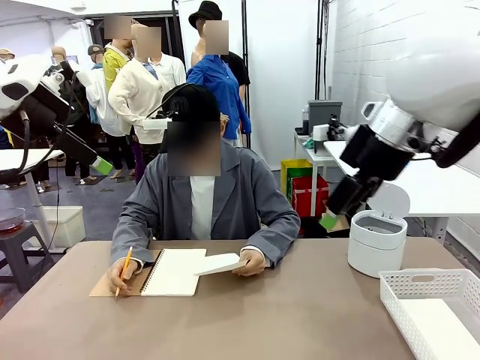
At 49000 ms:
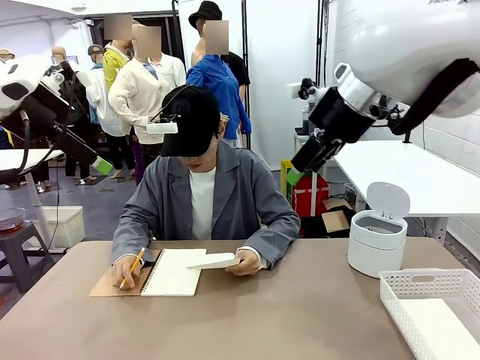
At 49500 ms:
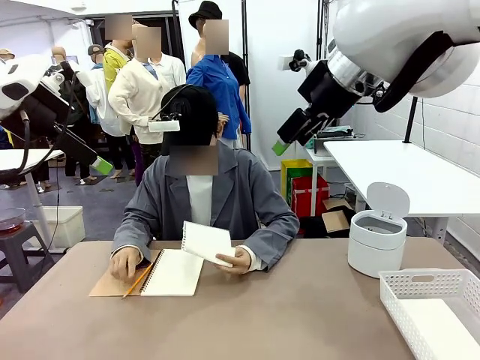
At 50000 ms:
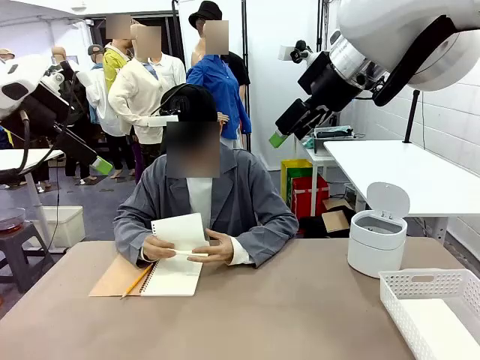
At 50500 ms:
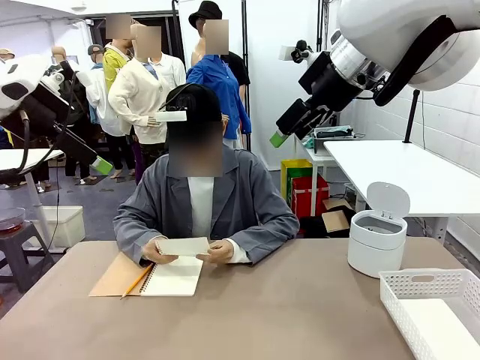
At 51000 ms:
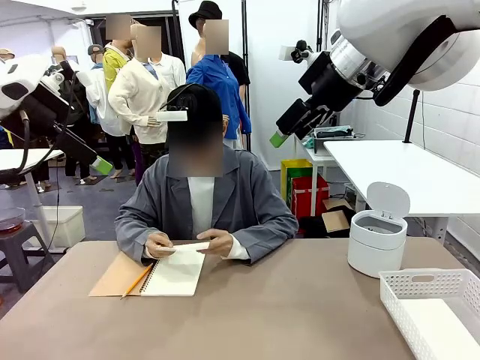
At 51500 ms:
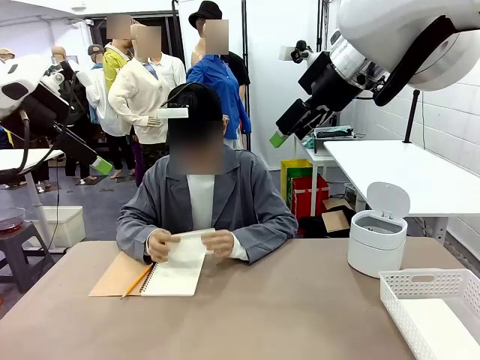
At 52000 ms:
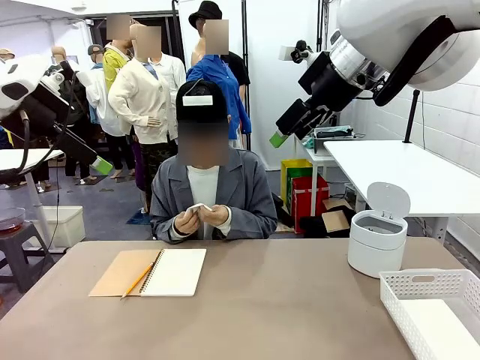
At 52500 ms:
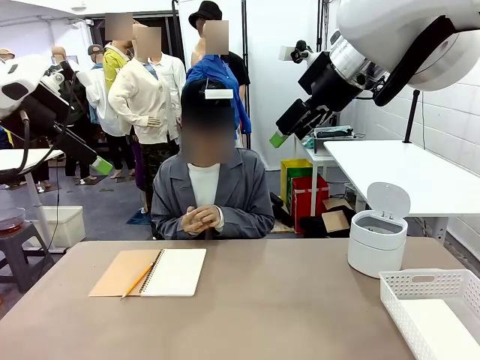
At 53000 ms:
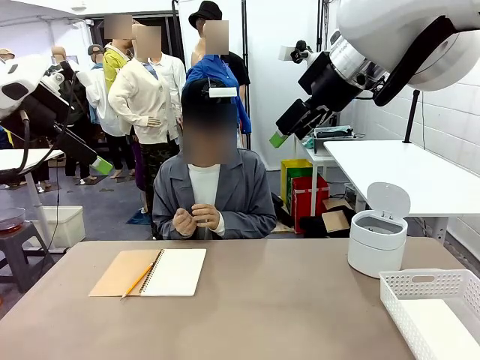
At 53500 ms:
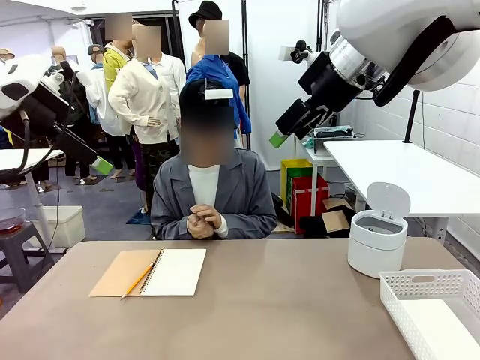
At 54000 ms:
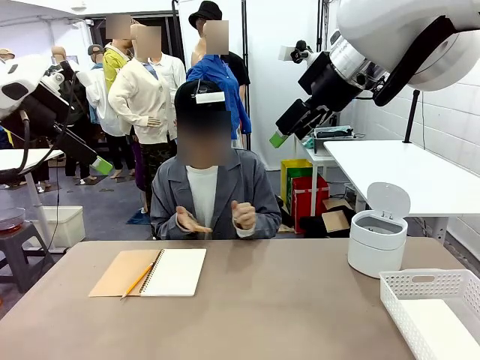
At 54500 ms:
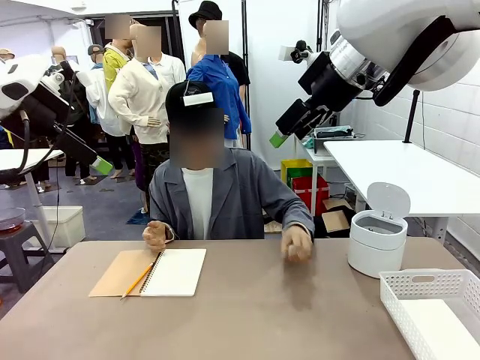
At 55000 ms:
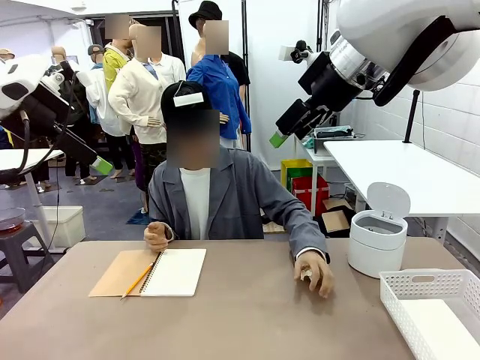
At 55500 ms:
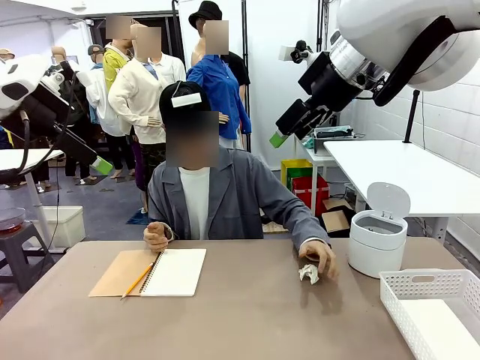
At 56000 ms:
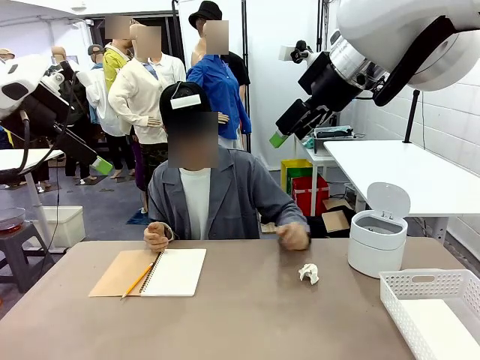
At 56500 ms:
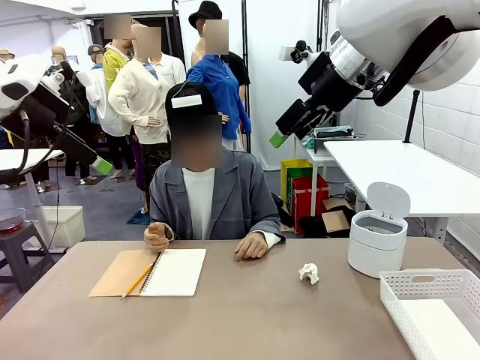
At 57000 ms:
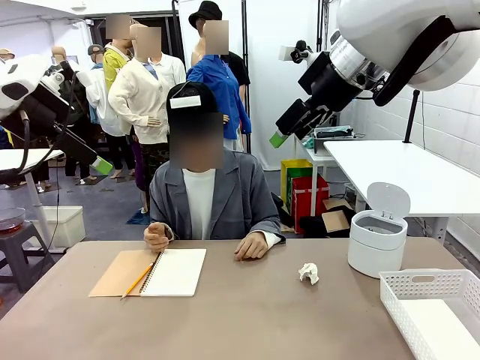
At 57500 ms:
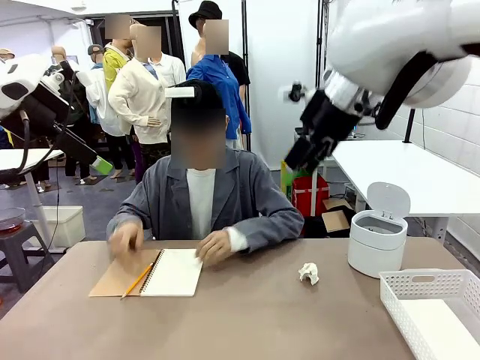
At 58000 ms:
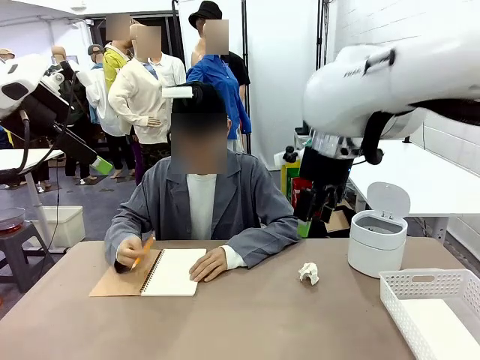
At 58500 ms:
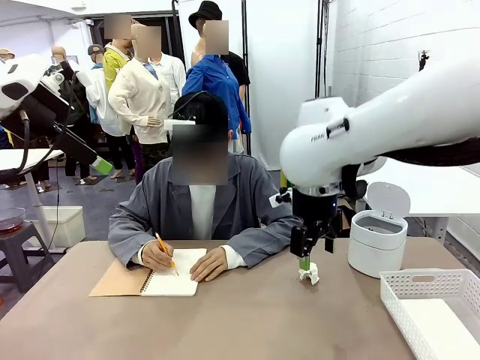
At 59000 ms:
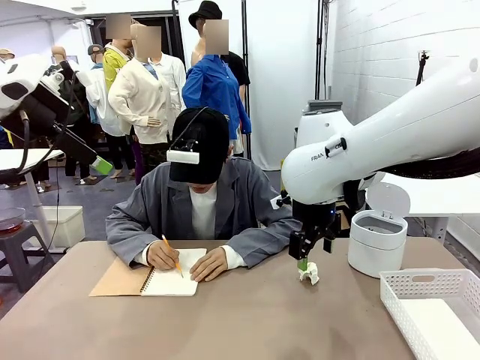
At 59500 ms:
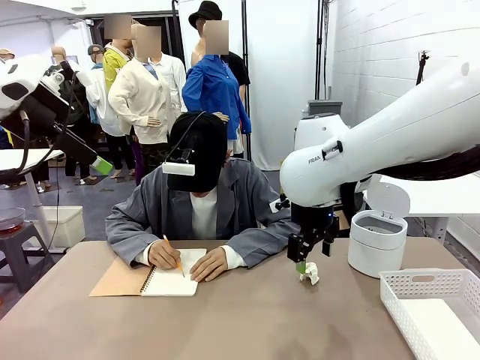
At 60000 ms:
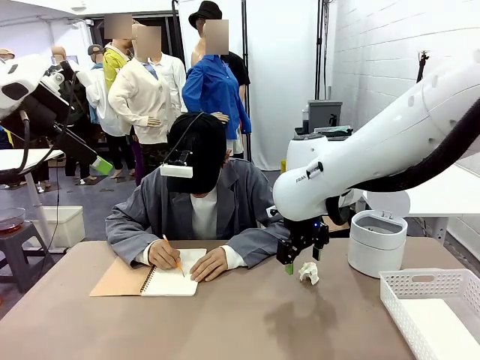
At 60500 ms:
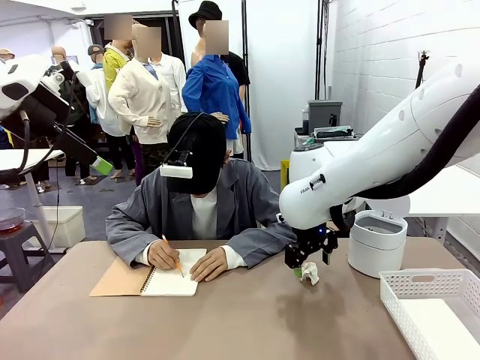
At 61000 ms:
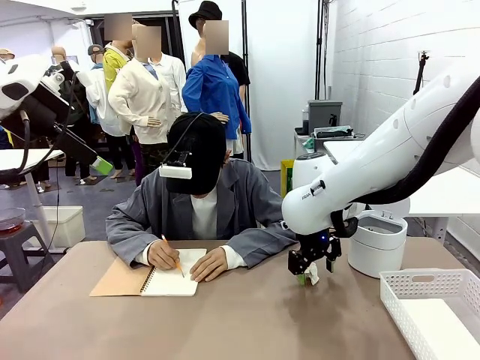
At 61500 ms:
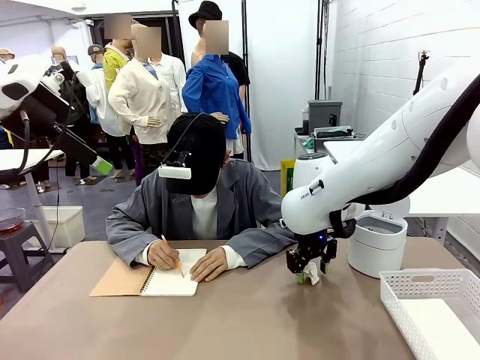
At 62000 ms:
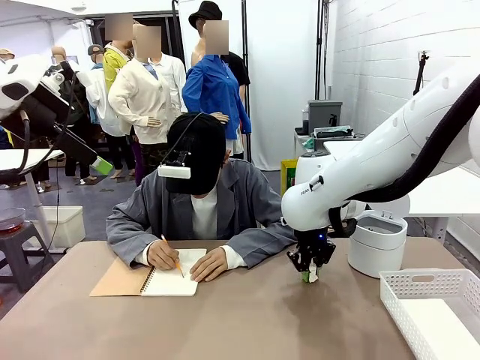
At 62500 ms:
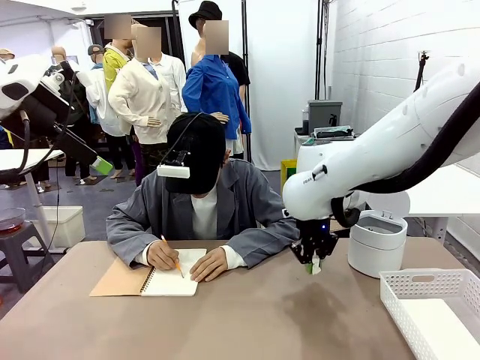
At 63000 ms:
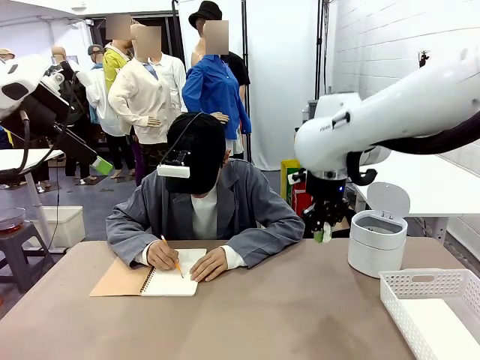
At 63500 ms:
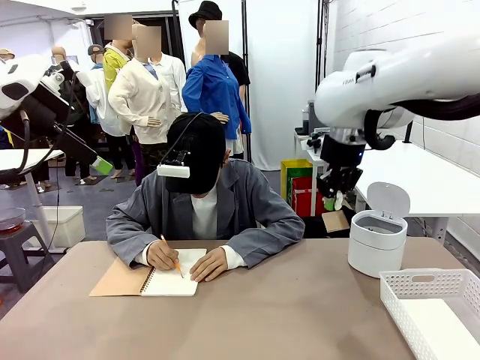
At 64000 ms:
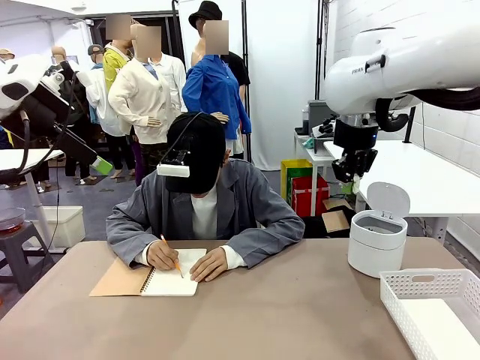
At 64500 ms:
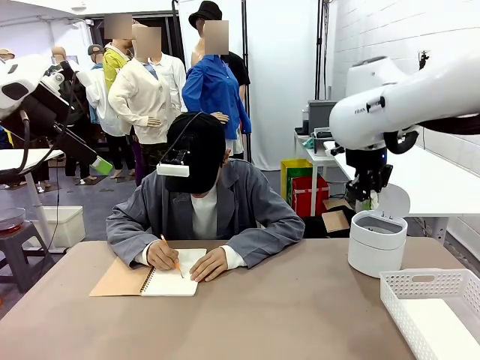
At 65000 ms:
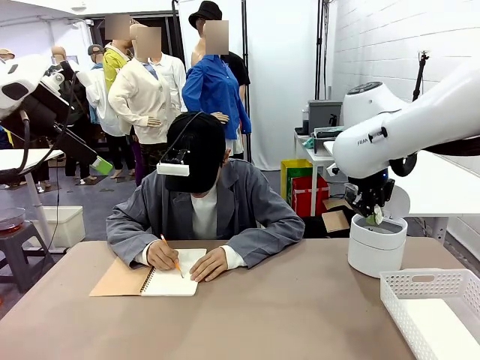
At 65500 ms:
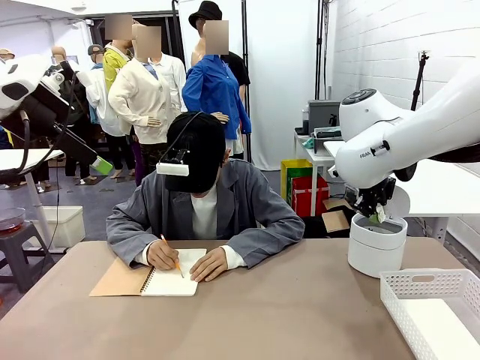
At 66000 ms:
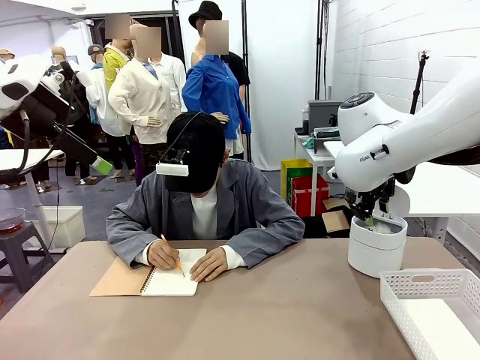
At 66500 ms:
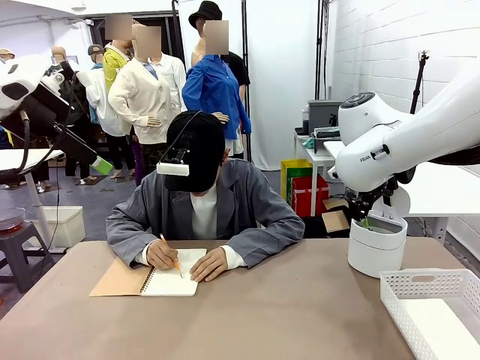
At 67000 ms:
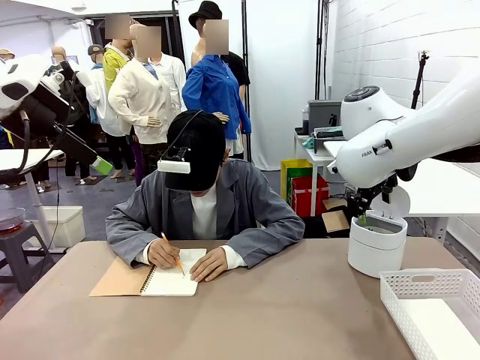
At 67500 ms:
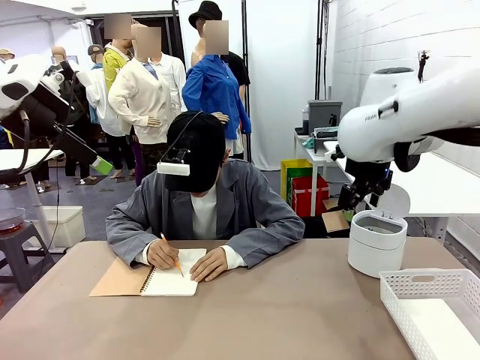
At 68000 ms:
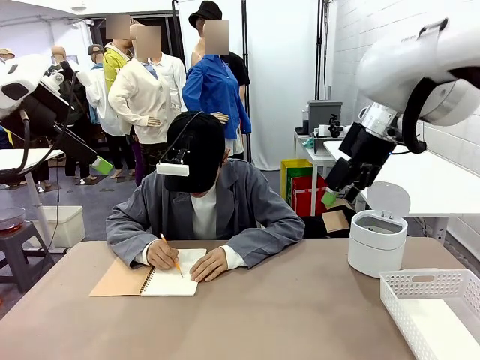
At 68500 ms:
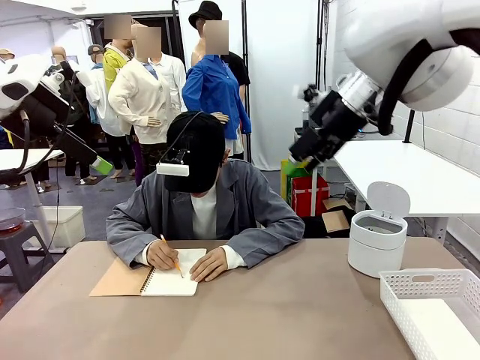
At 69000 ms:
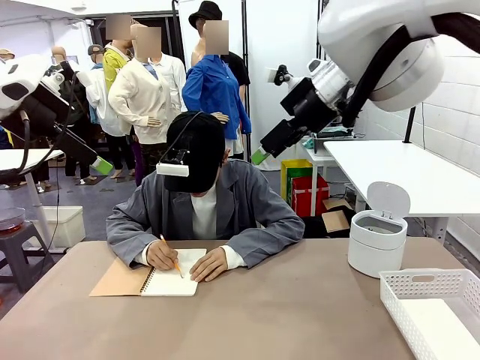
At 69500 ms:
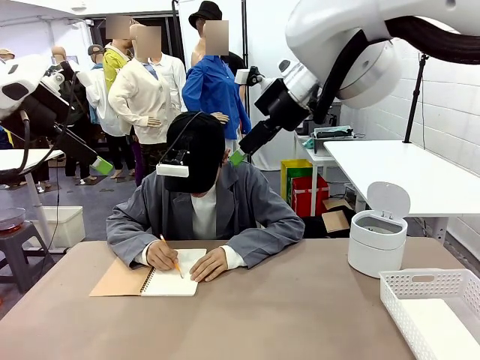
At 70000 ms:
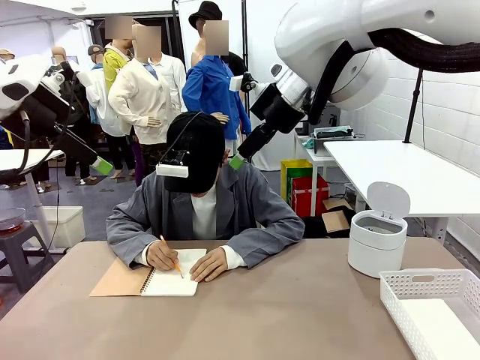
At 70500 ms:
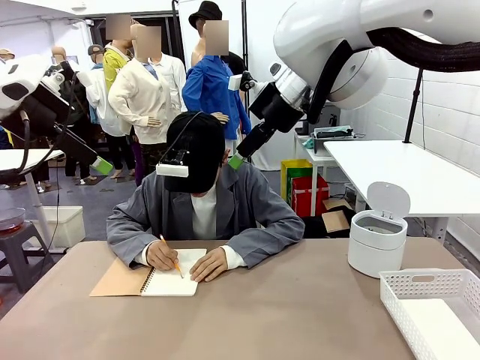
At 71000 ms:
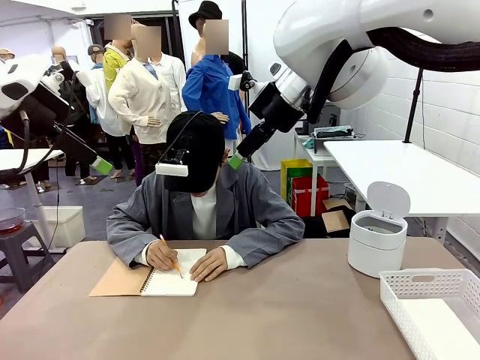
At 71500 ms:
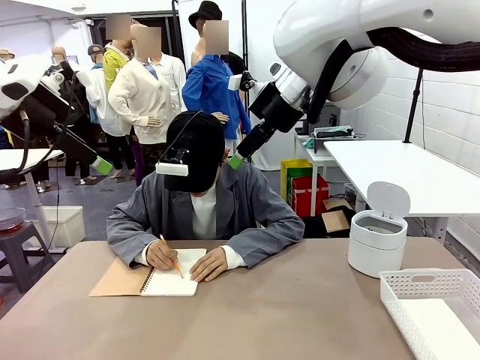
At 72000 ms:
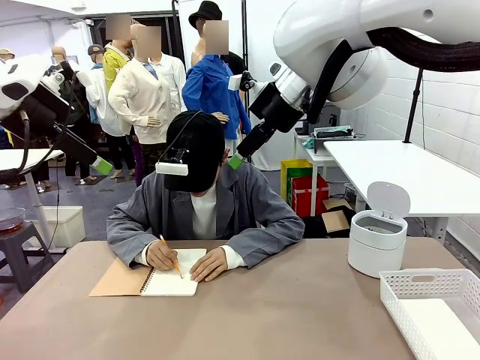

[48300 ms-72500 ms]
Task: Sort the paper based on its condition.
Robot: If a person hands you a paper, place it in the Organizing basket , and if it's crumpled, put it in the Trash can.
Person: Hand the torn page to the robot or crumple it and throw it to the center of the table.

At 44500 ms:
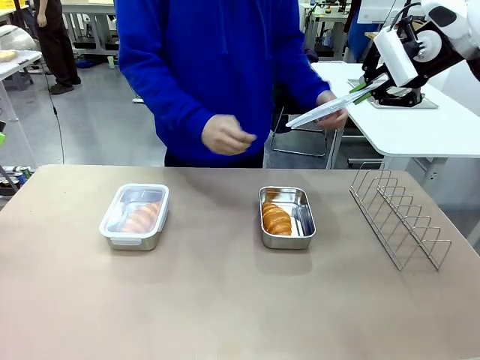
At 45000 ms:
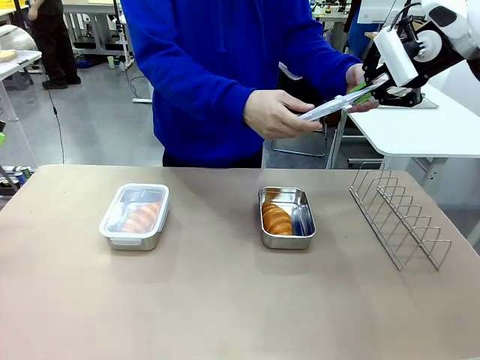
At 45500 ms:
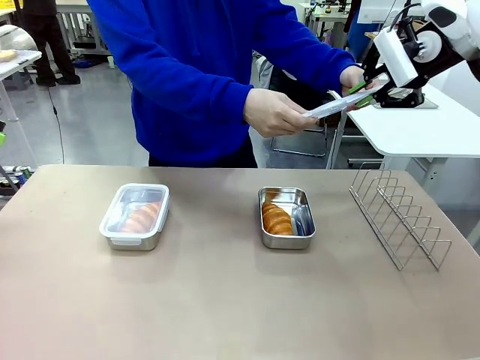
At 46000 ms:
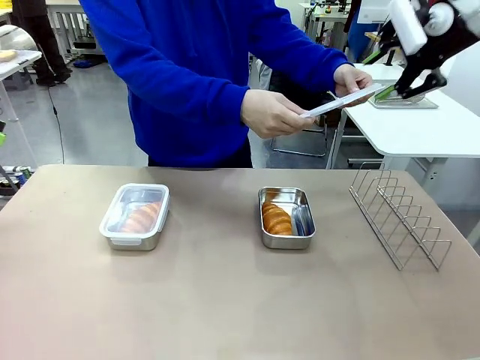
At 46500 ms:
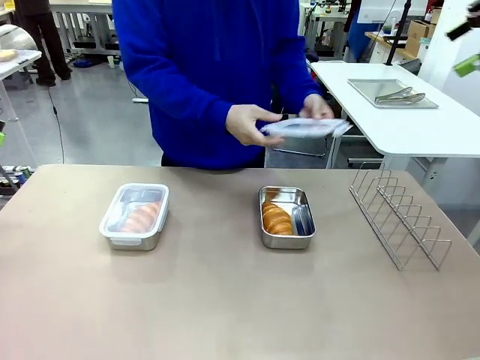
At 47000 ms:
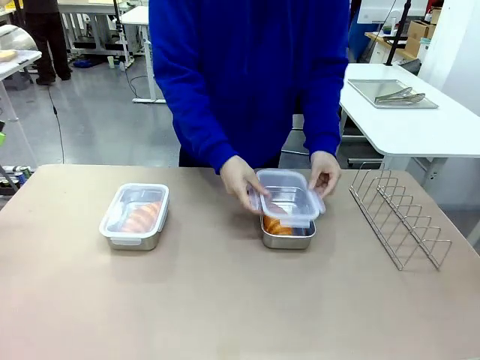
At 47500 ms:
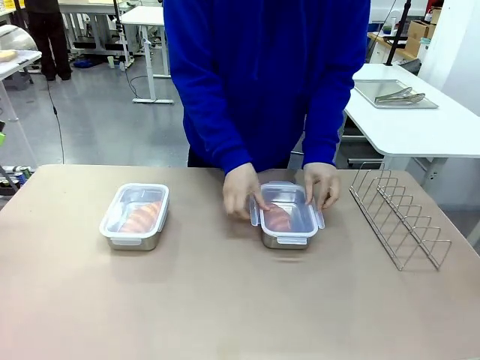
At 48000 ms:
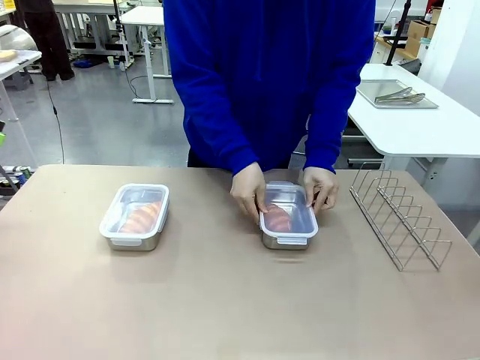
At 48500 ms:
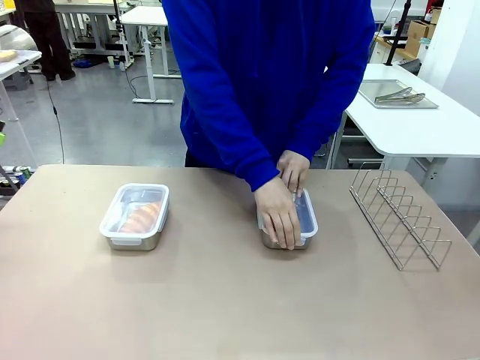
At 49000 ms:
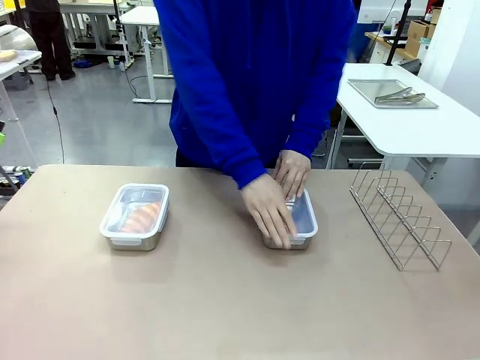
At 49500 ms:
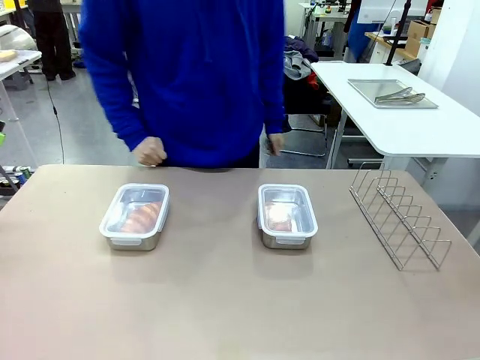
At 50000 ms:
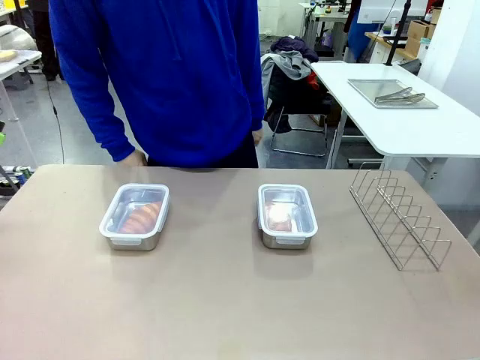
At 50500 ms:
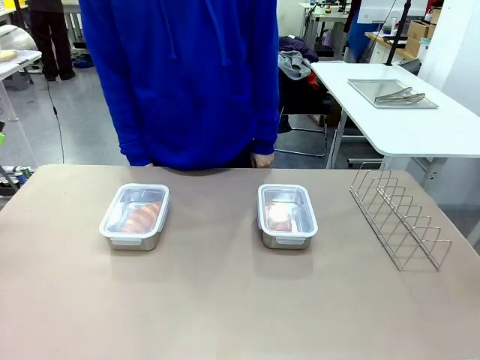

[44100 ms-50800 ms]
Task: Place the bread in airtight containers.
Robot: Release when the human grabs the Airtight Container lid.
Person: Close Airtight Container with a handed Airtight Container lid.
